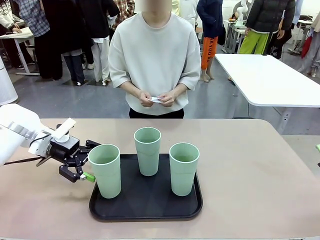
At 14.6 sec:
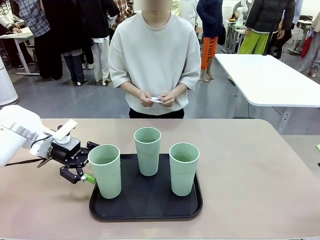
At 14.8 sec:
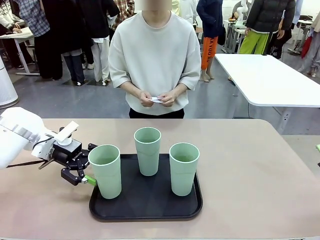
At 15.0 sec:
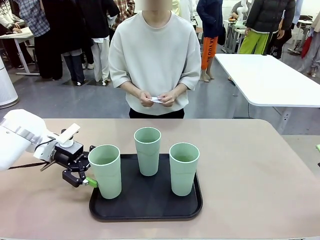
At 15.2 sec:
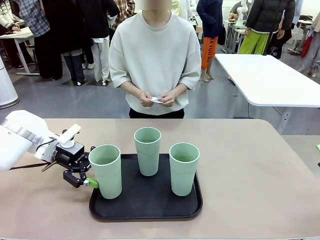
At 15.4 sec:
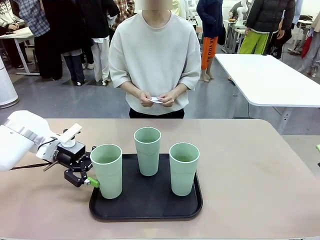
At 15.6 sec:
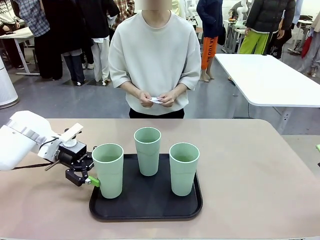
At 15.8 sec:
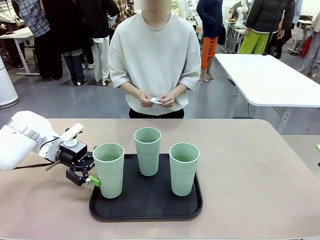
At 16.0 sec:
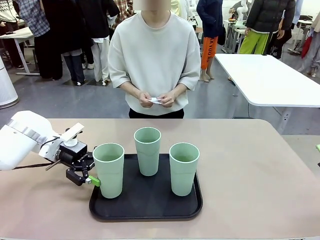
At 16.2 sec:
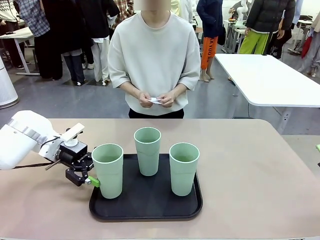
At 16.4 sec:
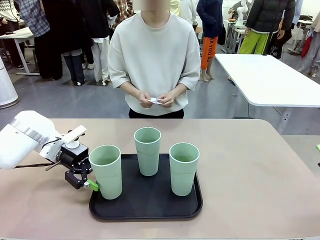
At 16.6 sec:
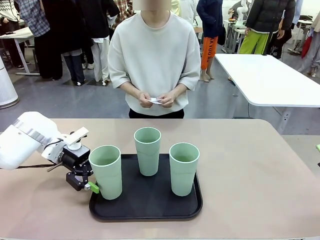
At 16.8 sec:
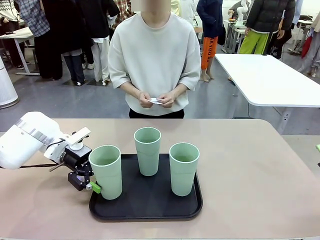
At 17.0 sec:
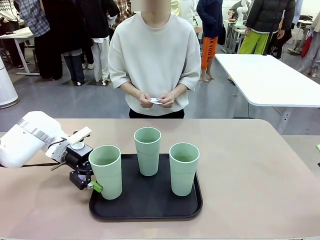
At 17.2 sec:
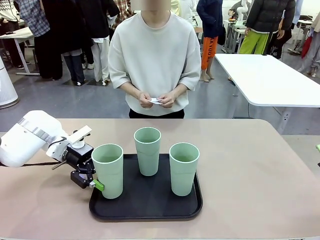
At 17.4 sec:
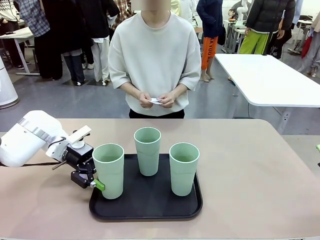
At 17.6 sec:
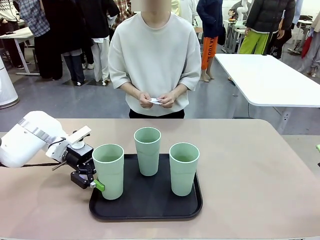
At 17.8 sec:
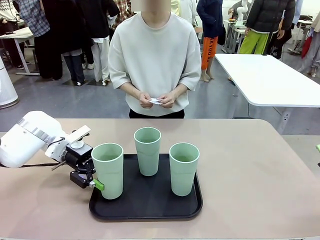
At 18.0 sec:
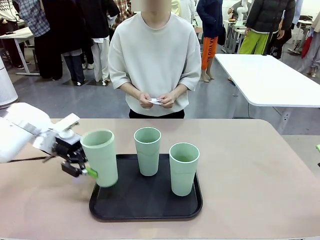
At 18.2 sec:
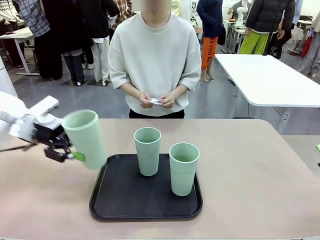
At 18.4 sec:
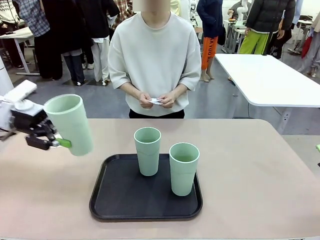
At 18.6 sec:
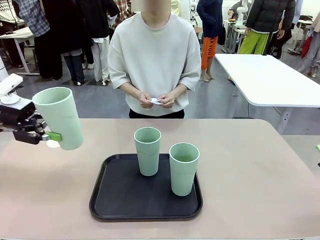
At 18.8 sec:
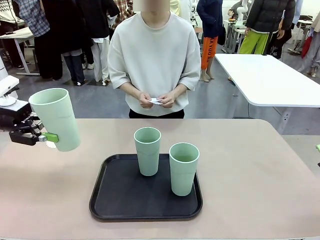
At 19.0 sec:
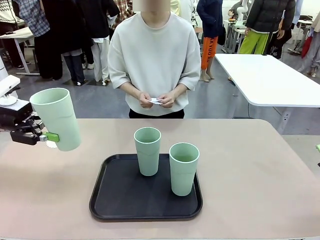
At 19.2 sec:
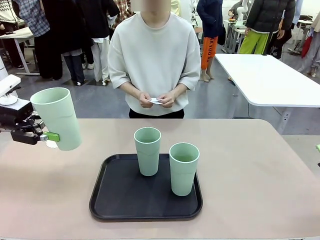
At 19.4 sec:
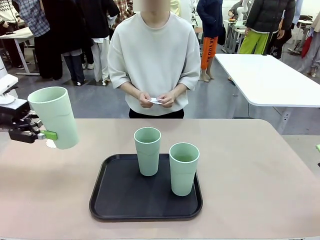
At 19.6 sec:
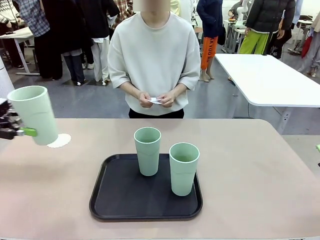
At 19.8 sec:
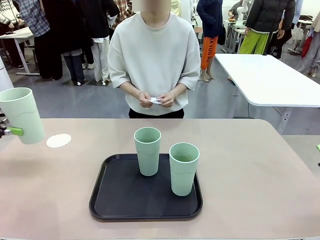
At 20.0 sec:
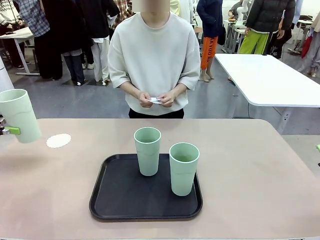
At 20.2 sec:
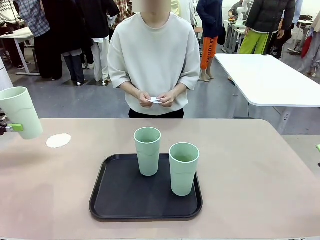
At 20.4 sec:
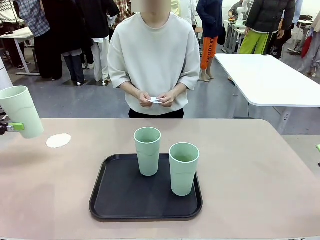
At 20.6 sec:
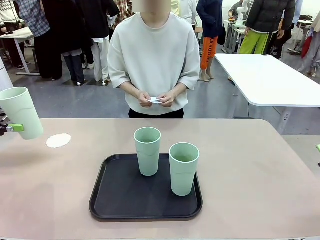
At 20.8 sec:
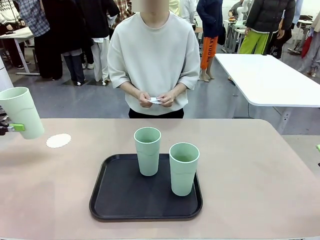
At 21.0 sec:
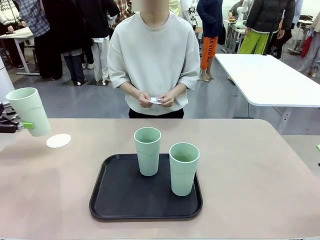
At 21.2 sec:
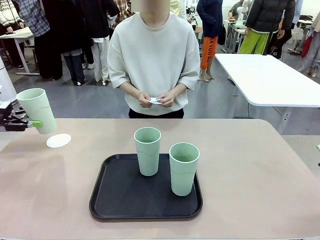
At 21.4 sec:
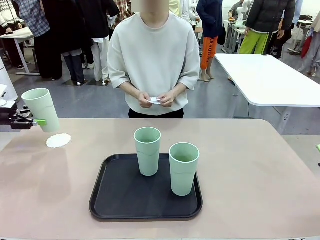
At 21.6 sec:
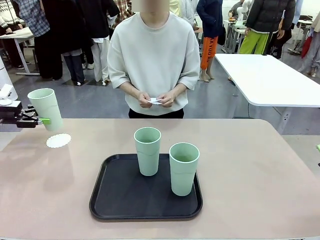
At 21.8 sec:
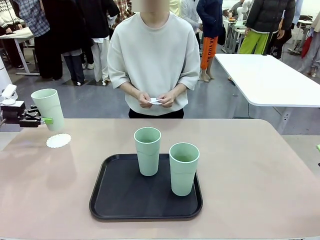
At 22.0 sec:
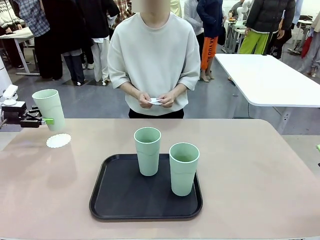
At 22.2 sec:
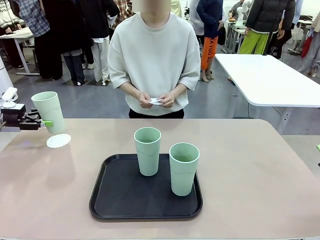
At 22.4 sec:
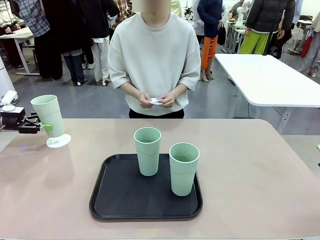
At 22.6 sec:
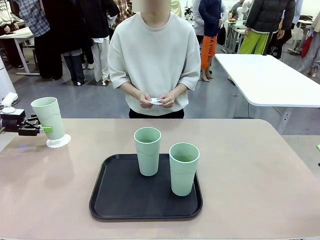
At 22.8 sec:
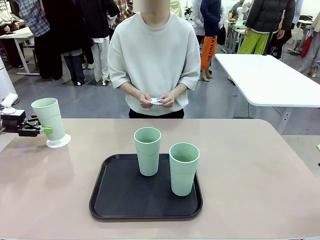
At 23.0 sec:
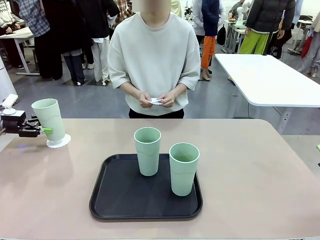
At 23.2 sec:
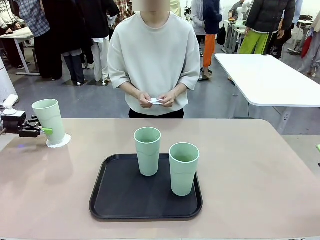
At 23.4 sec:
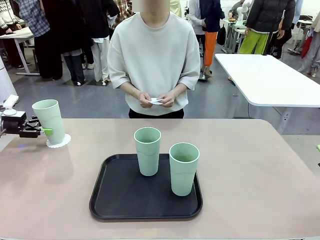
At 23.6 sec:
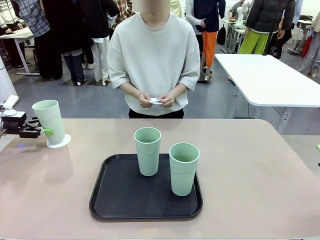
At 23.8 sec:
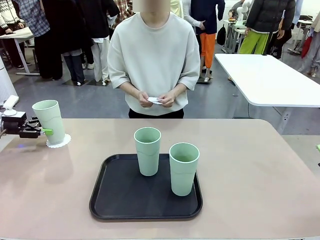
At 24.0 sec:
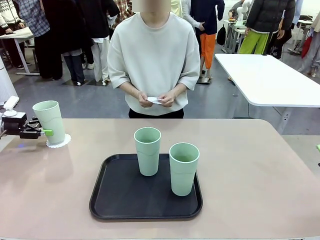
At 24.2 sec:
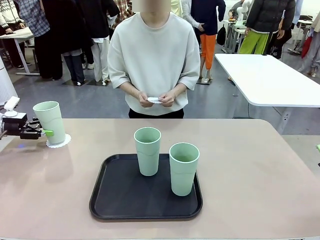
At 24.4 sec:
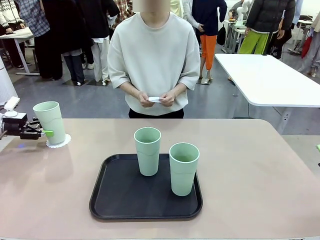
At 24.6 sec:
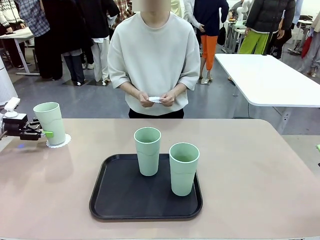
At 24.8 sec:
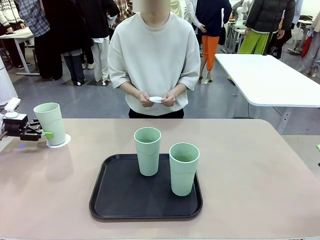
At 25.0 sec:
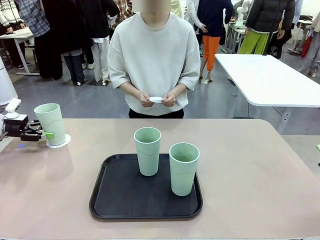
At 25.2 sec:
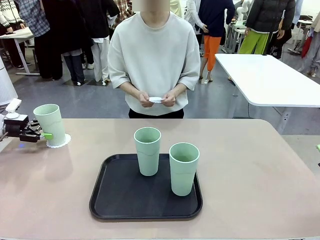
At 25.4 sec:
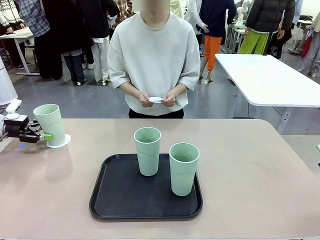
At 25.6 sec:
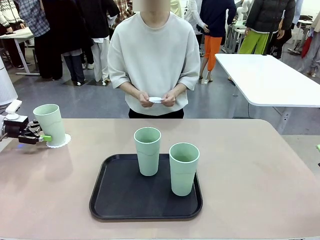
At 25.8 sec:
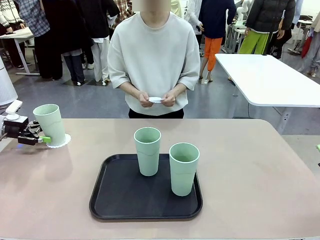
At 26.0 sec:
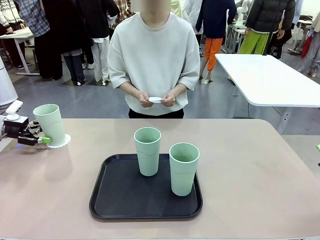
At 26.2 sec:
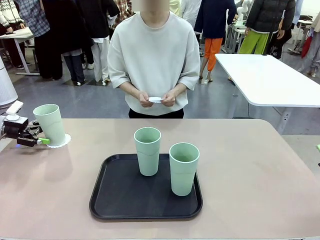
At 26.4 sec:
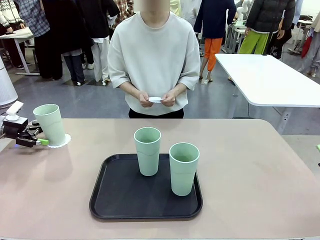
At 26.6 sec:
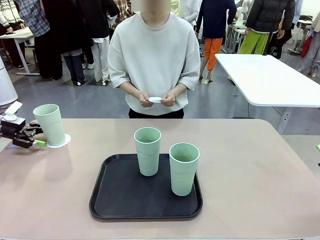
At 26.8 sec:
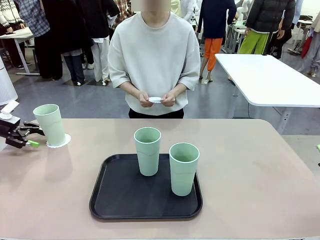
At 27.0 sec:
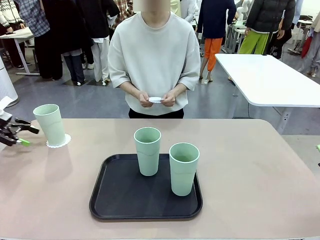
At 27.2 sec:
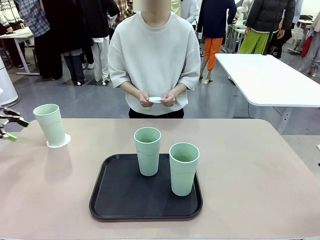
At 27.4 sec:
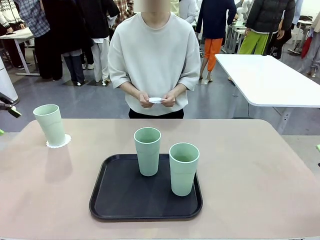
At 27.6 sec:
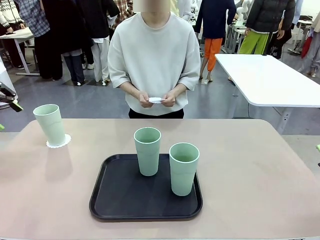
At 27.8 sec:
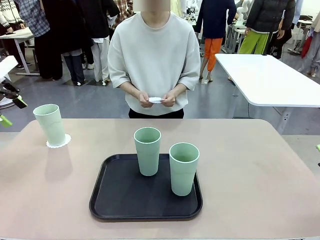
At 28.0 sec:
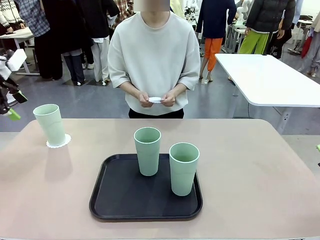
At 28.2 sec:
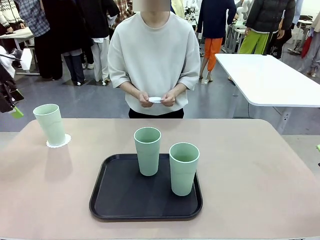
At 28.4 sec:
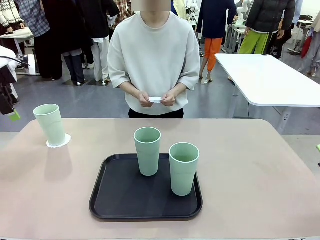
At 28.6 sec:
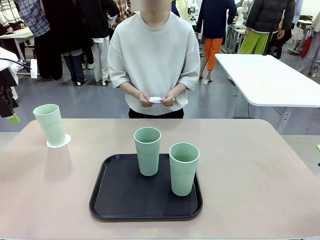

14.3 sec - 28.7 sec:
Task: Place coasters on the table and set cups on them.
Robot: Pick up one Reusable plastic cup and place it on a coaster set by the human.
Person: Place one coaster in one of the two areas excluding the previously selected area.
